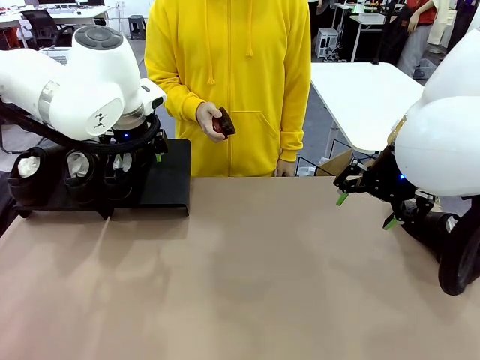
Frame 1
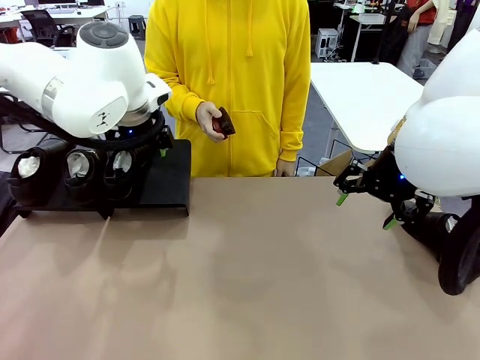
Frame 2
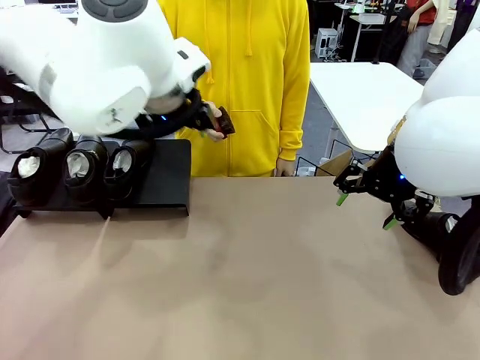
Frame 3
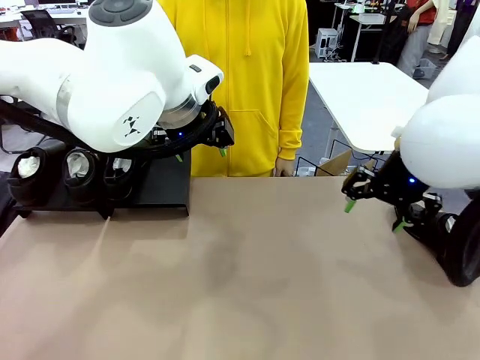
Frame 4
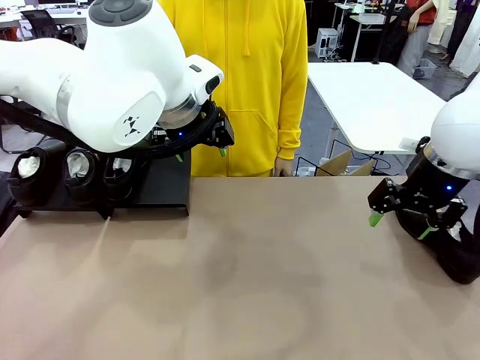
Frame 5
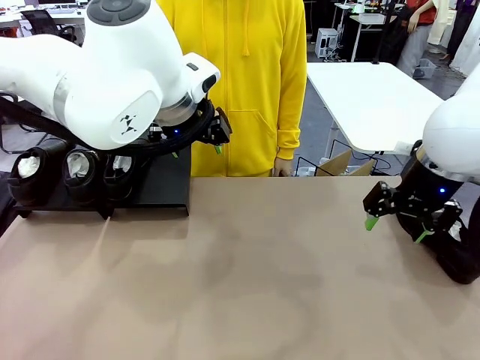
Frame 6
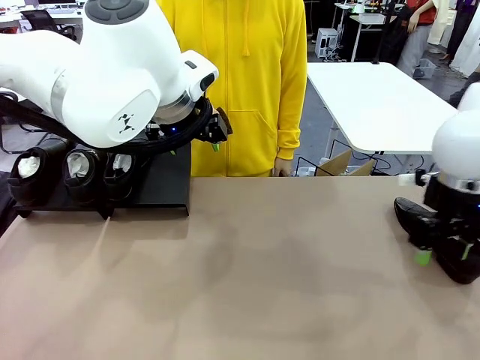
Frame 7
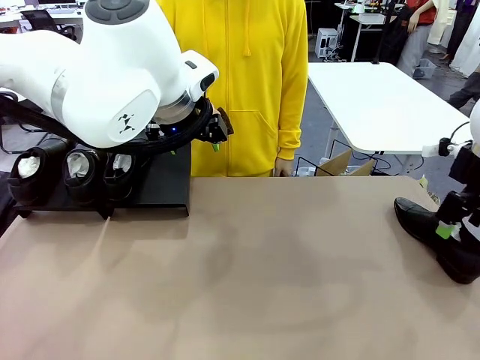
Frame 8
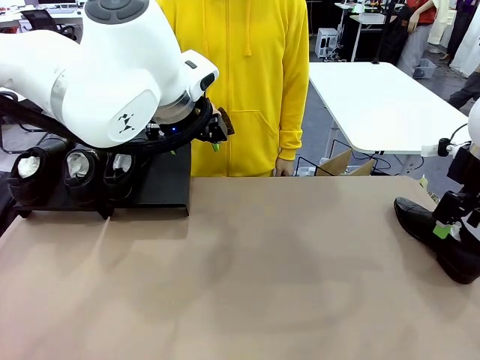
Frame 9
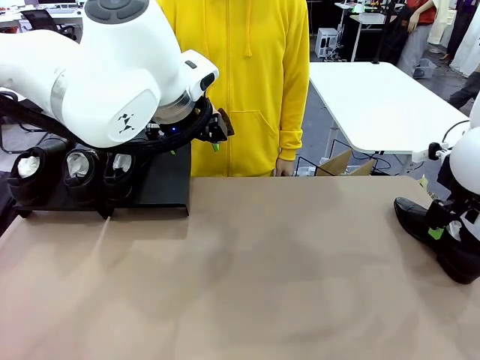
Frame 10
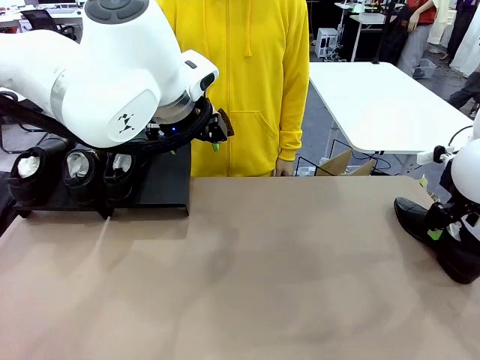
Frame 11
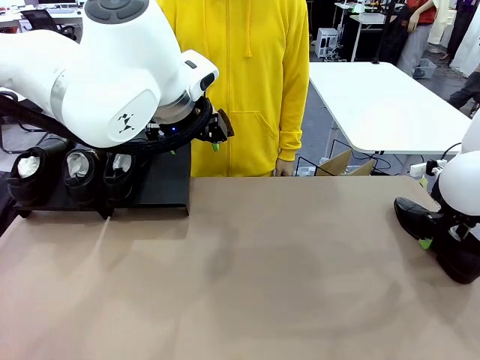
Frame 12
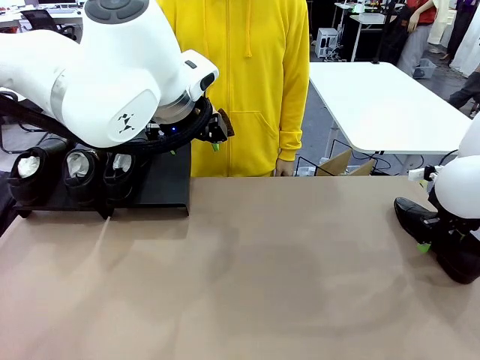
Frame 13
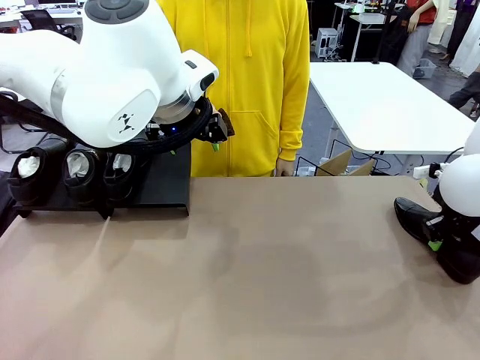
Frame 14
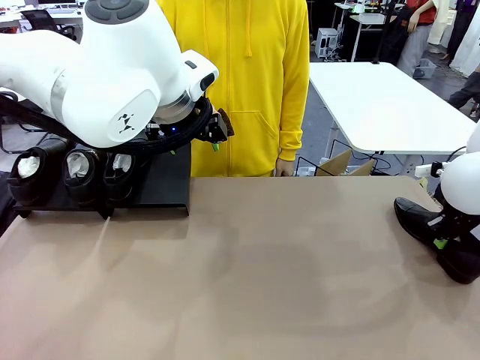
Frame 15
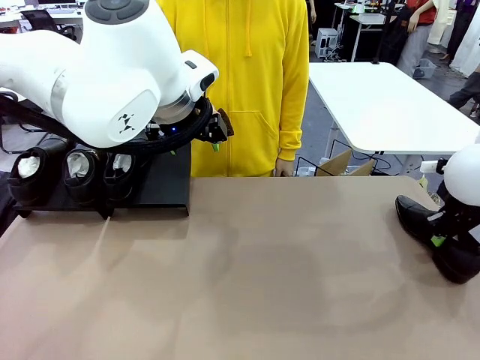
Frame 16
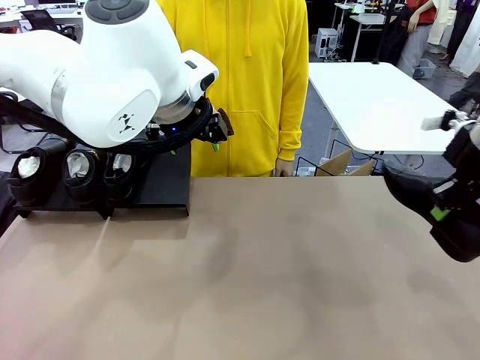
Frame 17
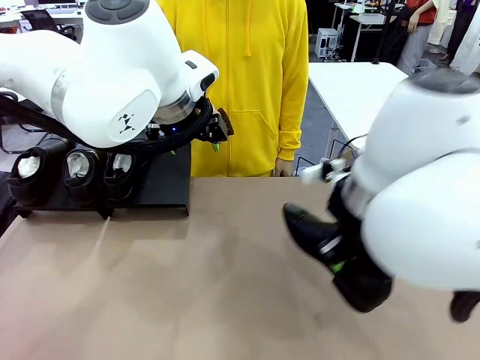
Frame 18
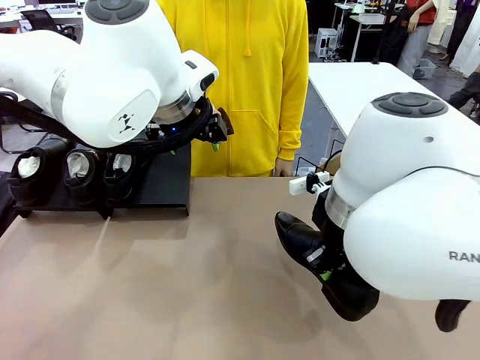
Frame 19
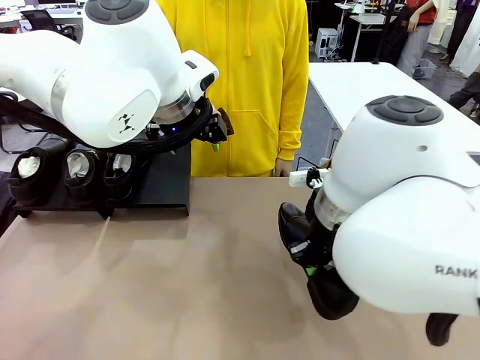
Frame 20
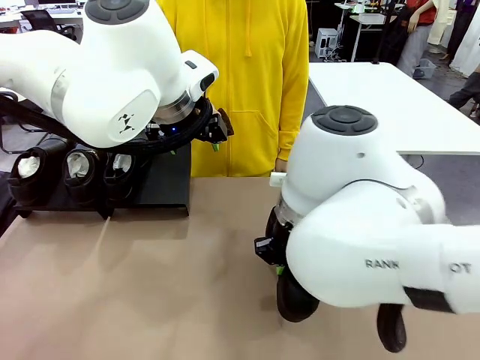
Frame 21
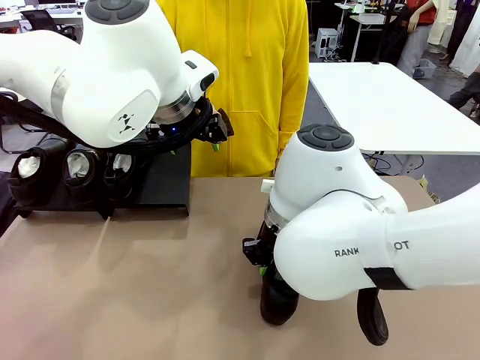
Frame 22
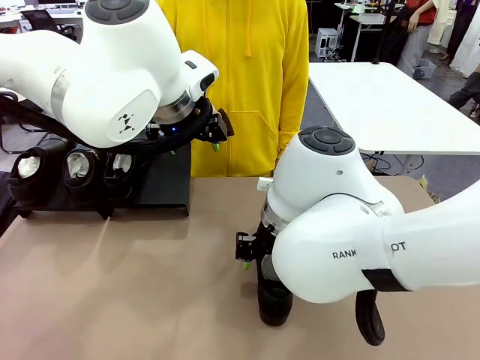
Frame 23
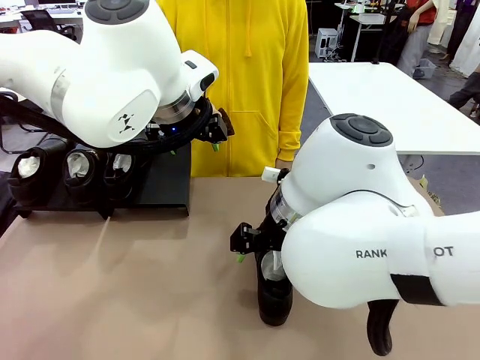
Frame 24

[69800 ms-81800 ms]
Task: Organize the shoes by placing them on the stand.
Robot: Pick up one Shoe and place it in the middle of the table.

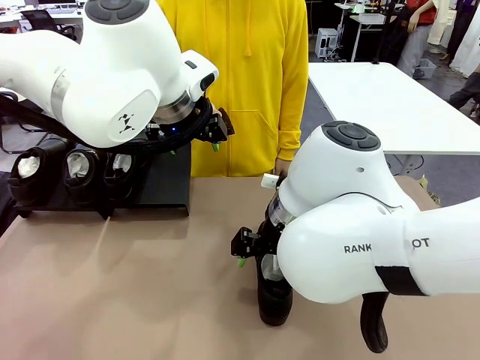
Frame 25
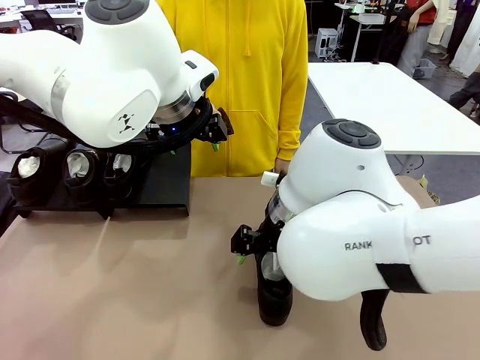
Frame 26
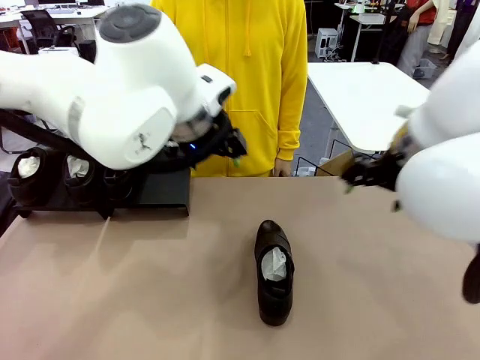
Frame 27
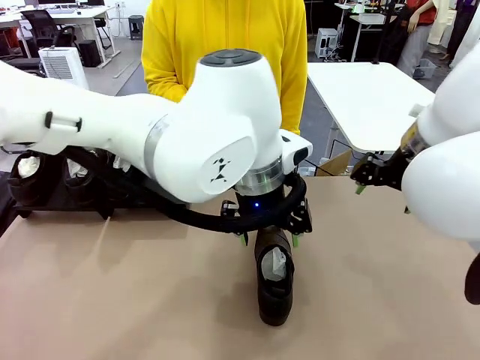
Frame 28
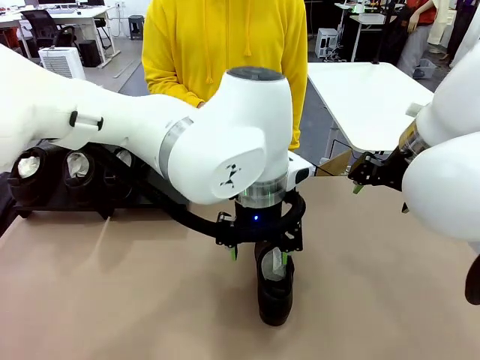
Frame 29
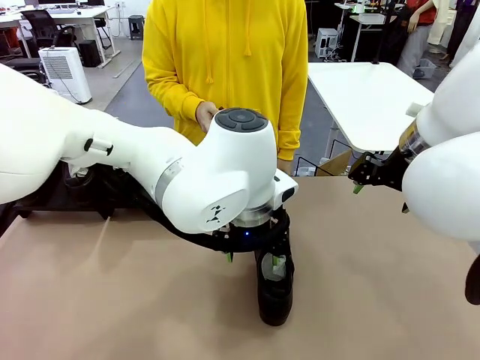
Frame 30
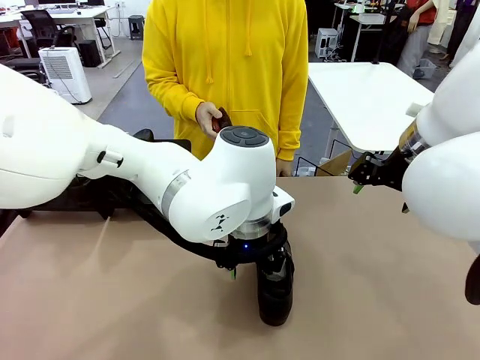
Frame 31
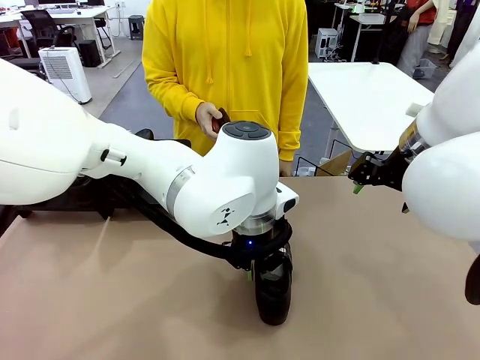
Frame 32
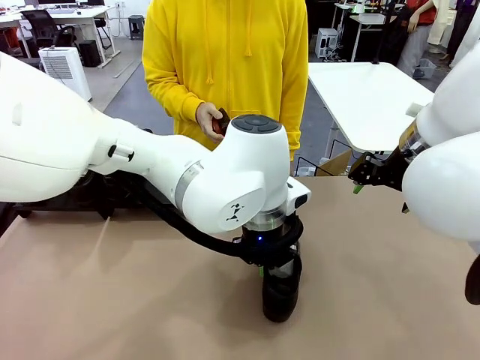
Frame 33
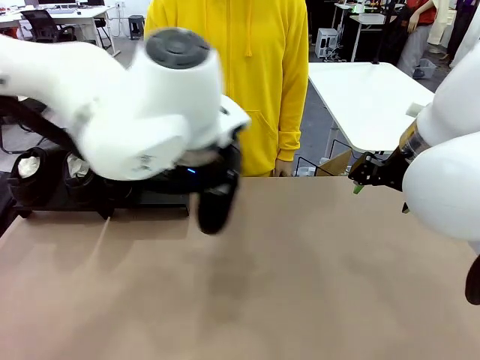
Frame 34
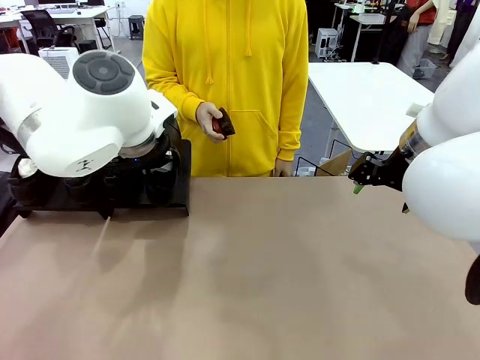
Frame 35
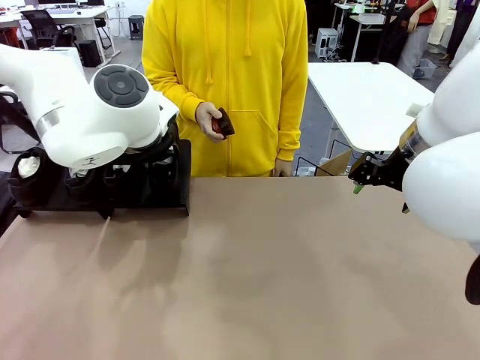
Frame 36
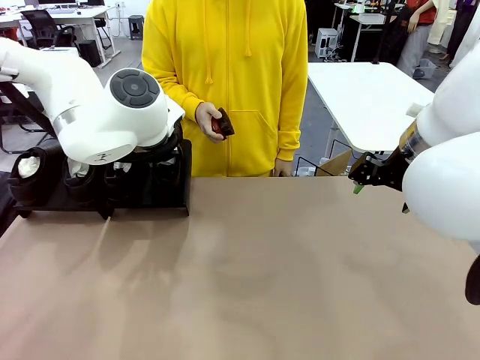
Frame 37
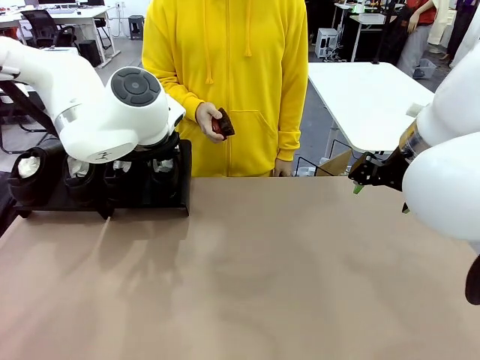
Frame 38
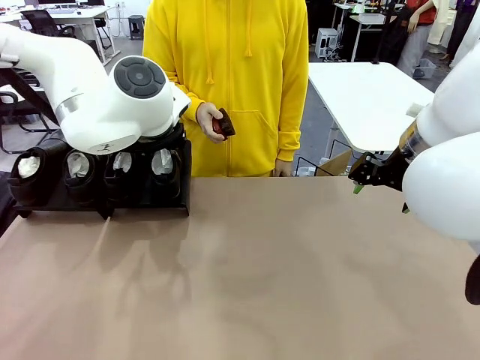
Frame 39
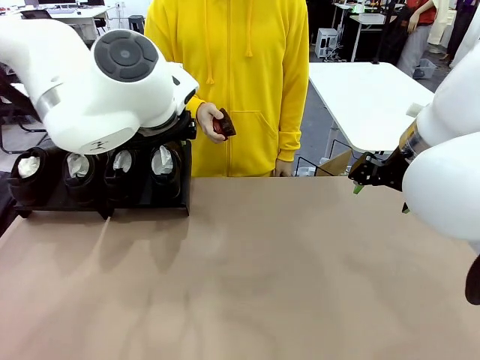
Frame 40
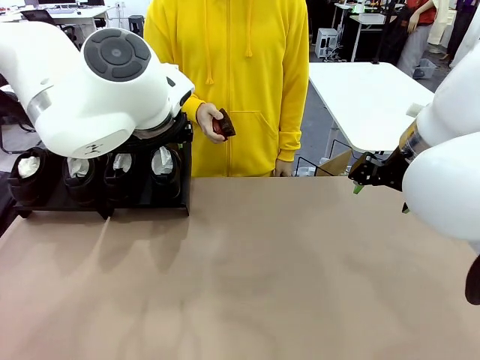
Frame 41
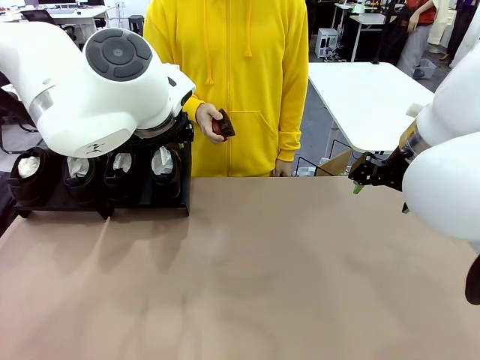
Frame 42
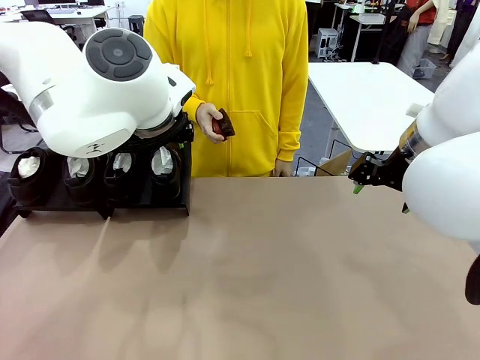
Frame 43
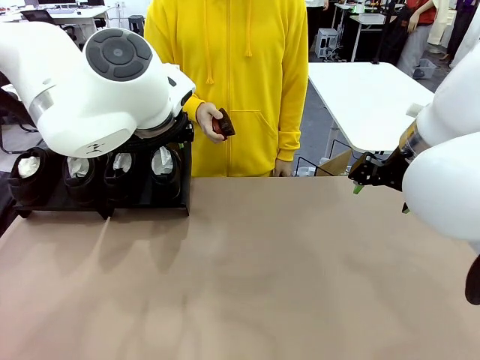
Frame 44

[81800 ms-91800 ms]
Robot: Place the Shoe from the middle of the table onto the Shoes Stand.

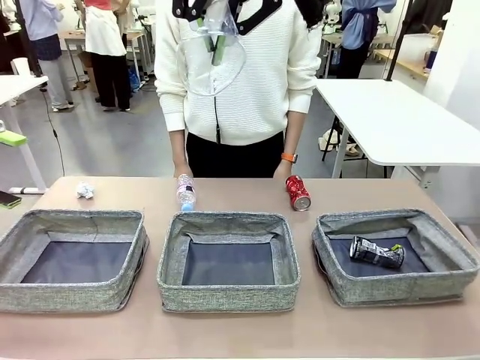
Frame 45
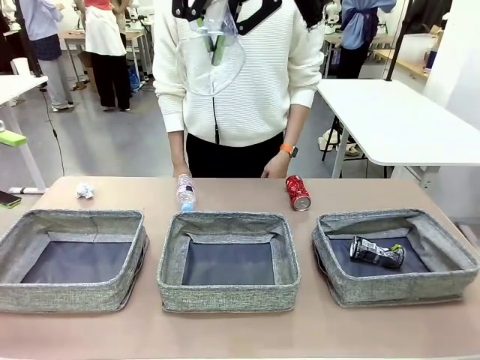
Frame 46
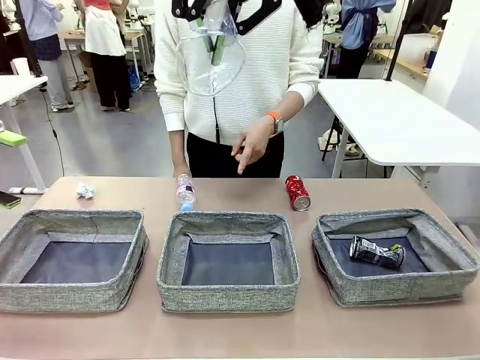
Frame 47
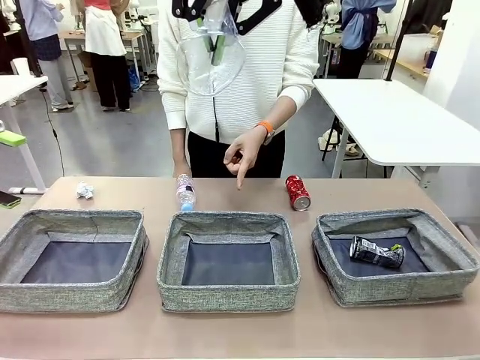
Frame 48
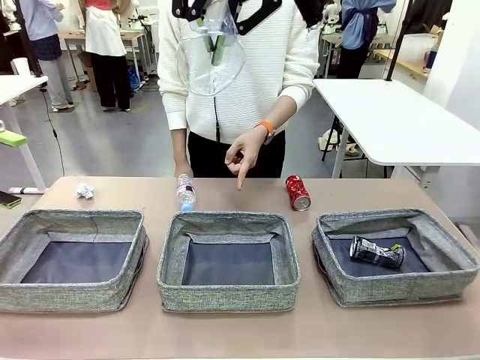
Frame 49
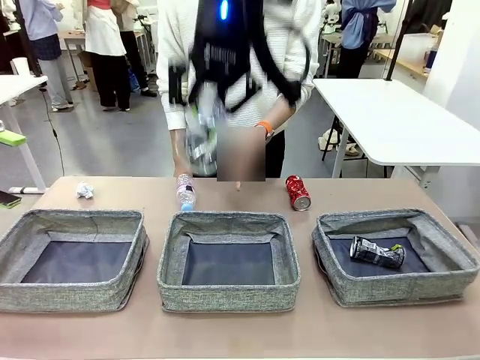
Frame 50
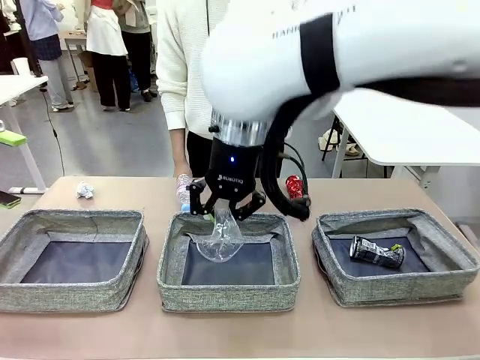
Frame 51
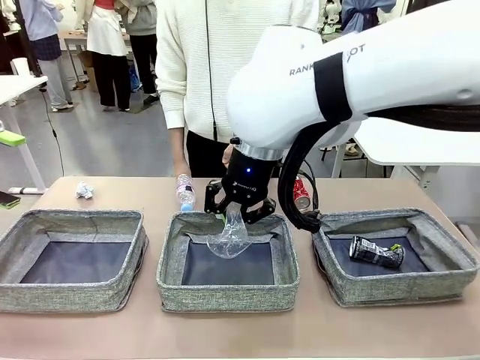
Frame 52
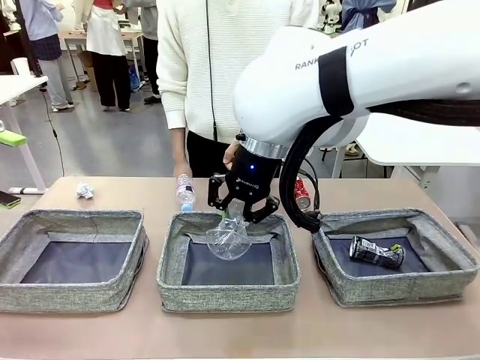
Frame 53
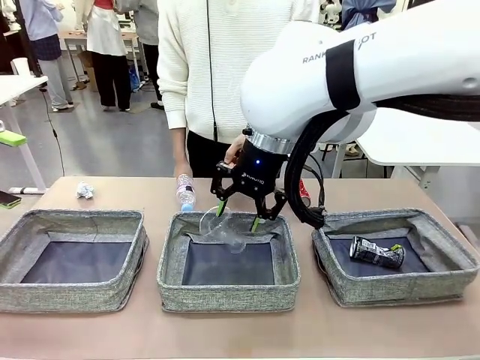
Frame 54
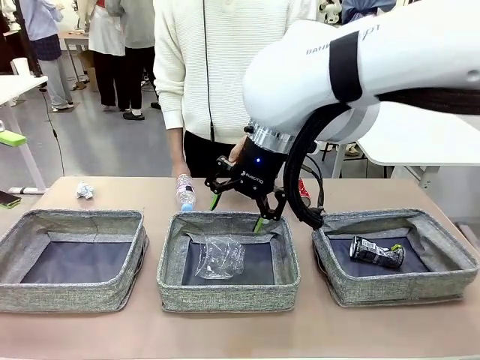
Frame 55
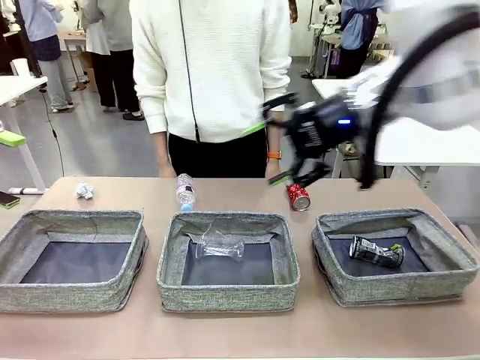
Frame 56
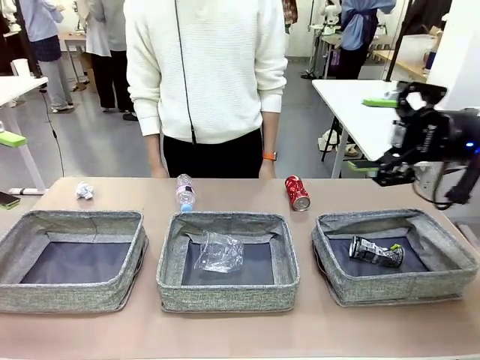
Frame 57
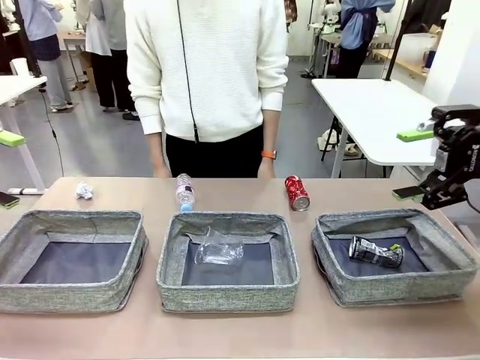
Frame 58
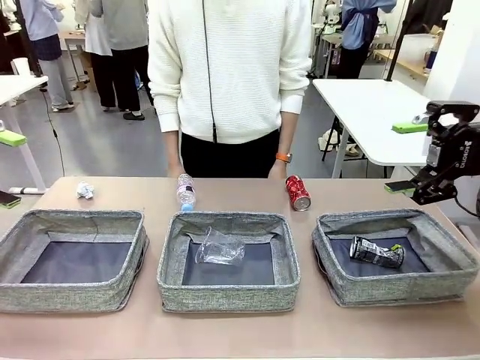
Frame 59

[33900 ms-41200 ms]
Task: Sort the waste into the appropriate baskets.
Robot: Place the picked waste into the Fabric basket indicated by the person.
Person: Instructs the robot to place the picked-up trash into the appropriate organizing basket.
